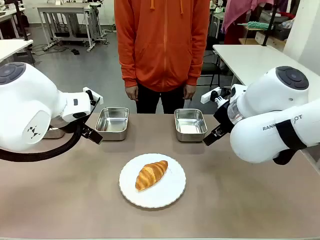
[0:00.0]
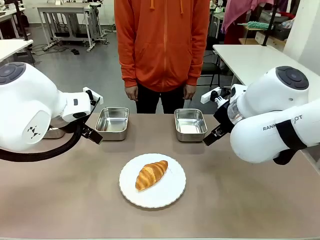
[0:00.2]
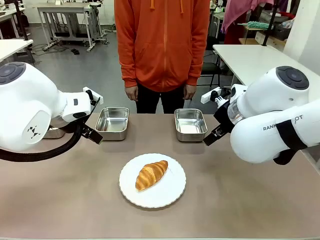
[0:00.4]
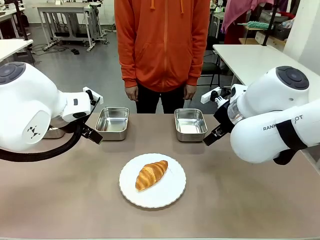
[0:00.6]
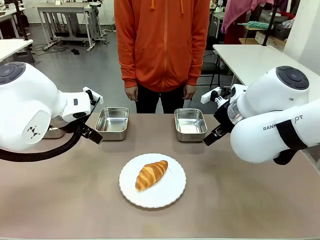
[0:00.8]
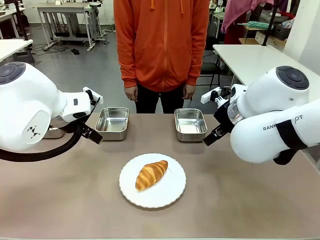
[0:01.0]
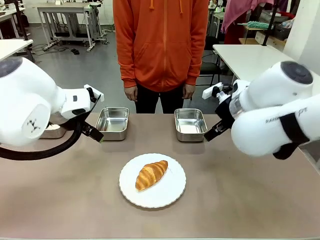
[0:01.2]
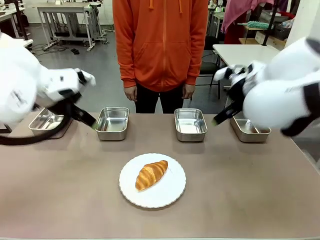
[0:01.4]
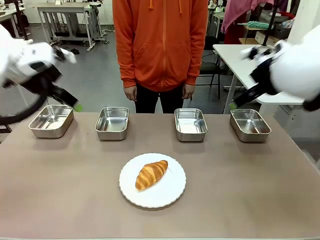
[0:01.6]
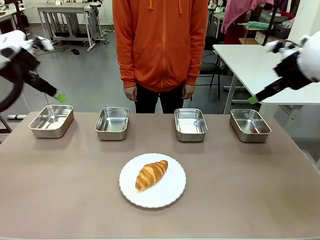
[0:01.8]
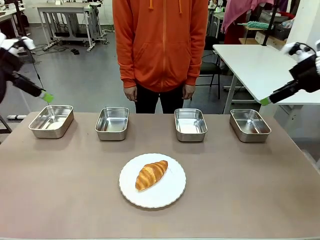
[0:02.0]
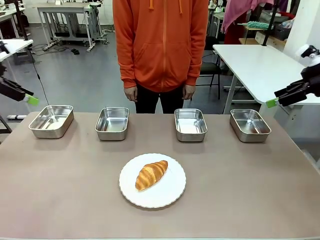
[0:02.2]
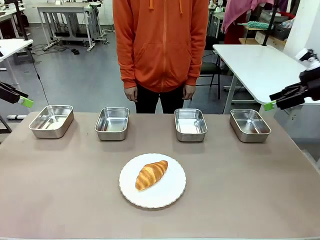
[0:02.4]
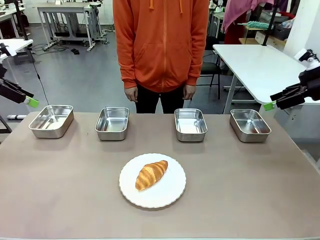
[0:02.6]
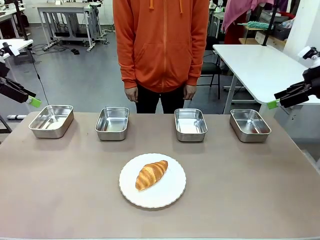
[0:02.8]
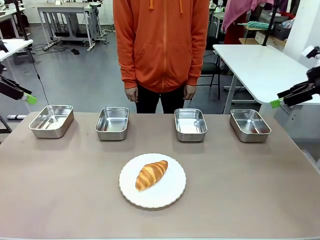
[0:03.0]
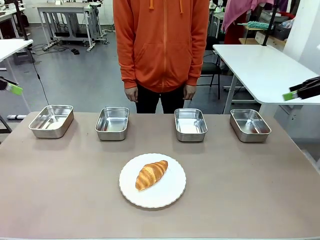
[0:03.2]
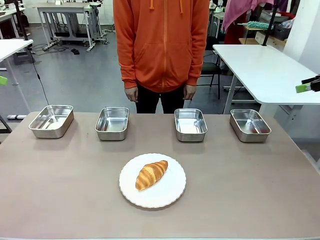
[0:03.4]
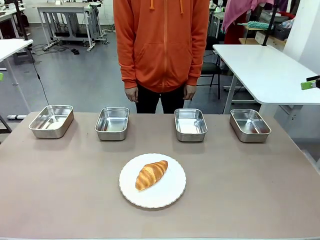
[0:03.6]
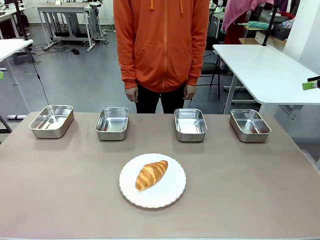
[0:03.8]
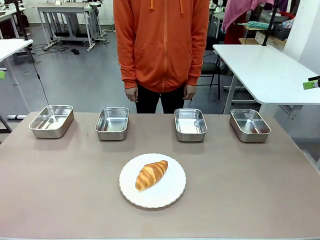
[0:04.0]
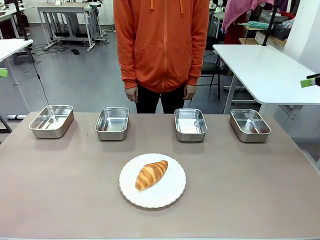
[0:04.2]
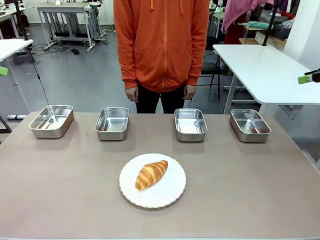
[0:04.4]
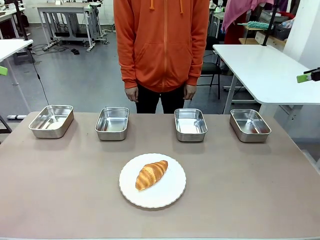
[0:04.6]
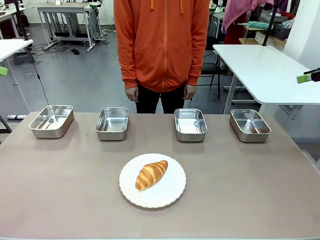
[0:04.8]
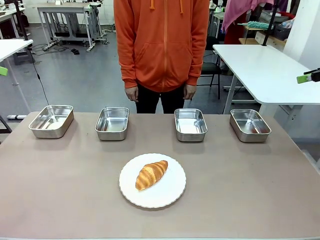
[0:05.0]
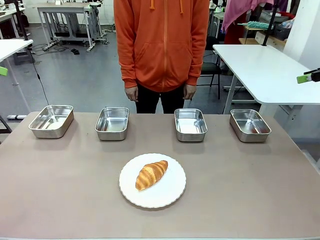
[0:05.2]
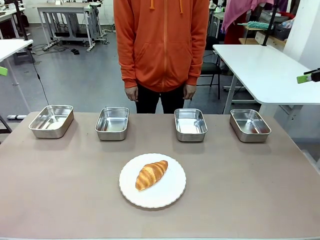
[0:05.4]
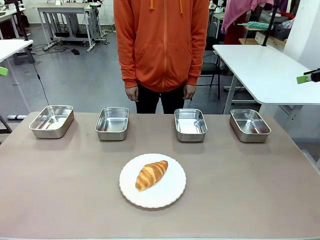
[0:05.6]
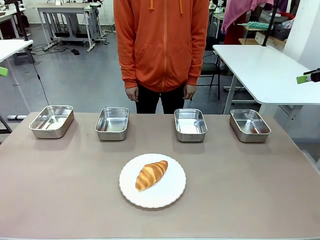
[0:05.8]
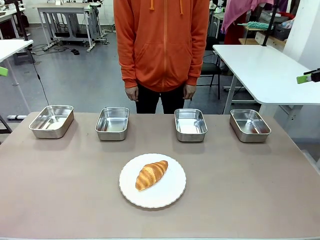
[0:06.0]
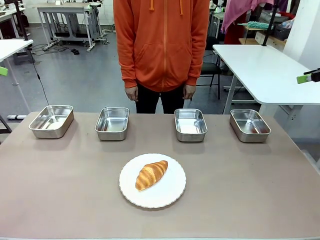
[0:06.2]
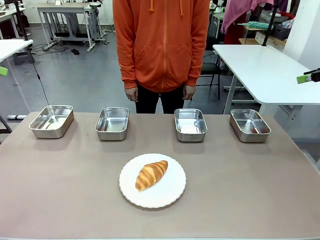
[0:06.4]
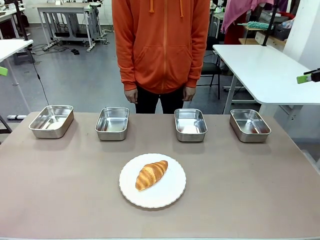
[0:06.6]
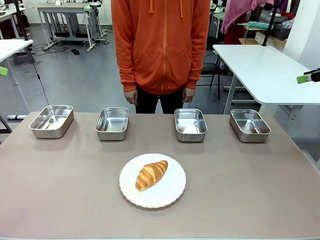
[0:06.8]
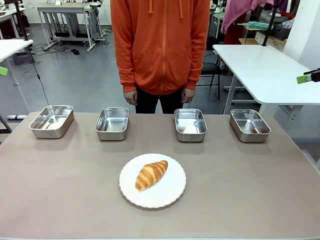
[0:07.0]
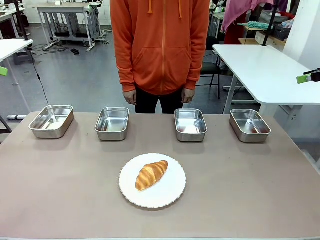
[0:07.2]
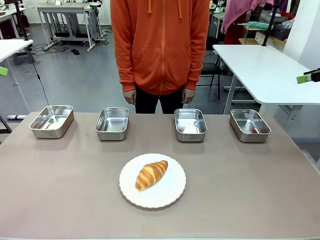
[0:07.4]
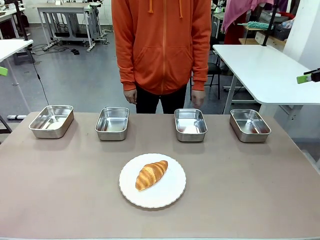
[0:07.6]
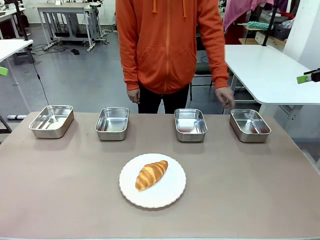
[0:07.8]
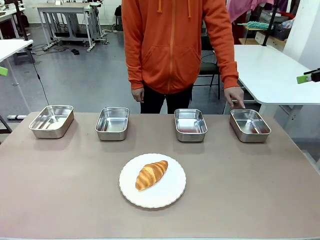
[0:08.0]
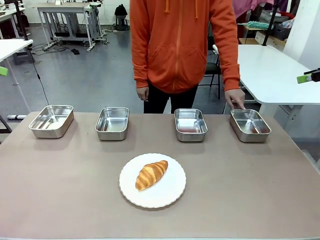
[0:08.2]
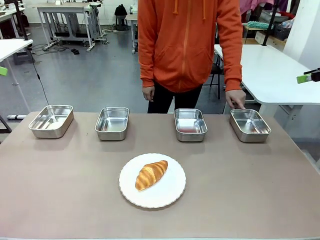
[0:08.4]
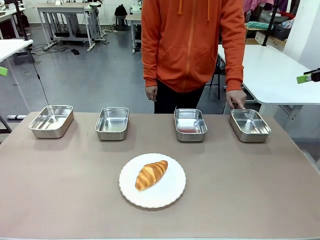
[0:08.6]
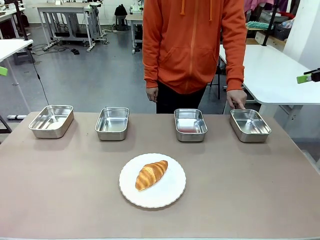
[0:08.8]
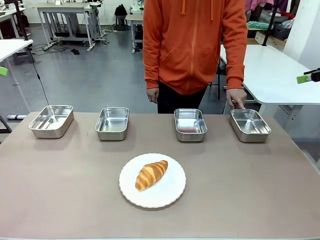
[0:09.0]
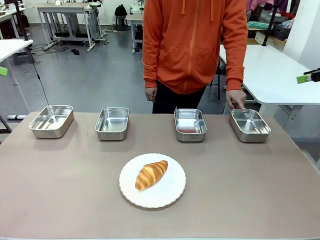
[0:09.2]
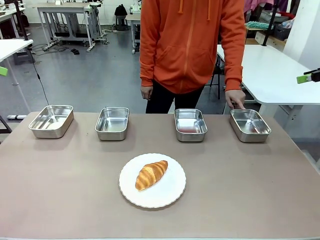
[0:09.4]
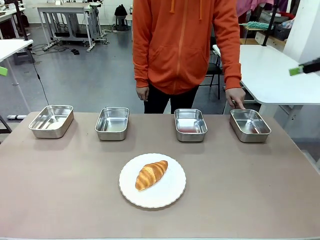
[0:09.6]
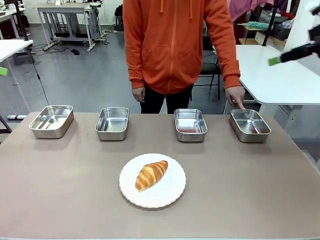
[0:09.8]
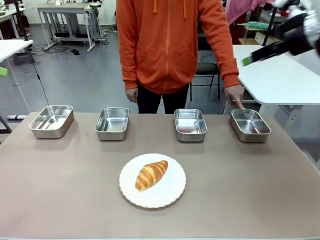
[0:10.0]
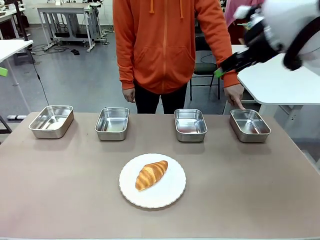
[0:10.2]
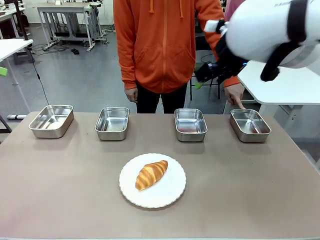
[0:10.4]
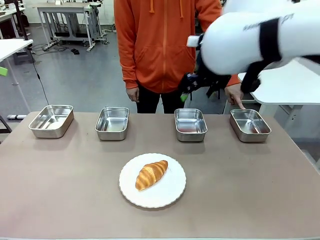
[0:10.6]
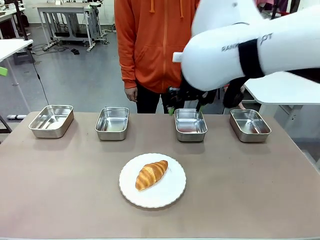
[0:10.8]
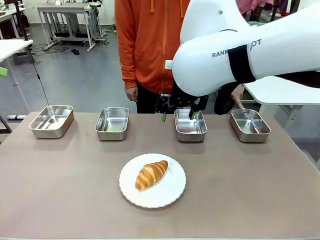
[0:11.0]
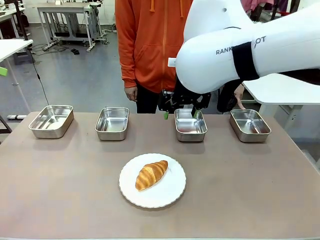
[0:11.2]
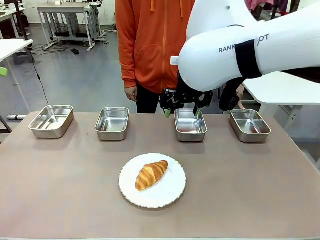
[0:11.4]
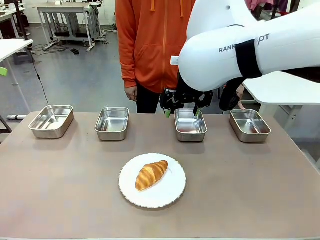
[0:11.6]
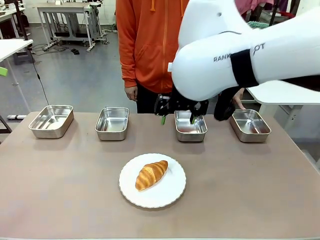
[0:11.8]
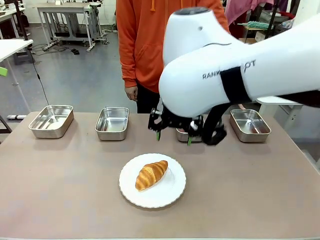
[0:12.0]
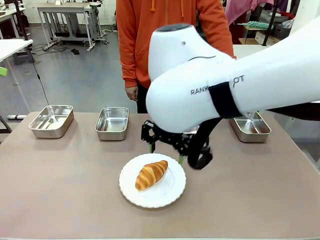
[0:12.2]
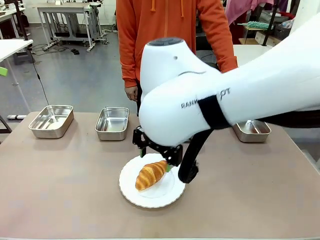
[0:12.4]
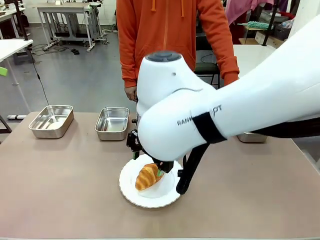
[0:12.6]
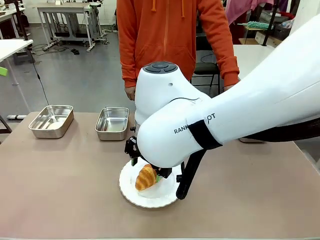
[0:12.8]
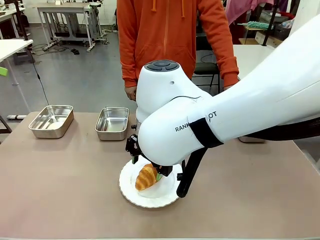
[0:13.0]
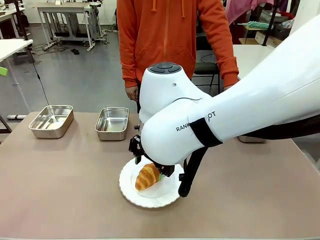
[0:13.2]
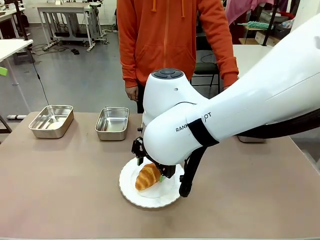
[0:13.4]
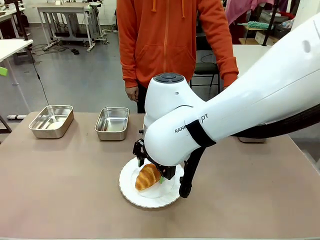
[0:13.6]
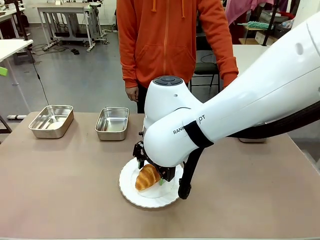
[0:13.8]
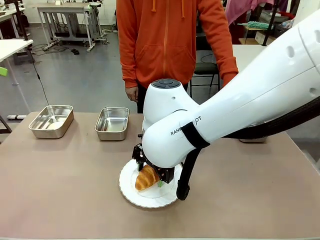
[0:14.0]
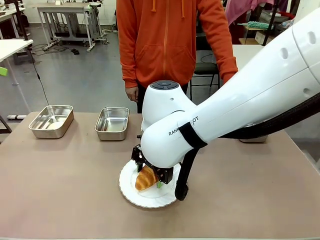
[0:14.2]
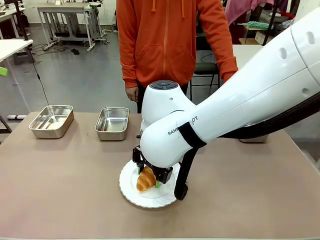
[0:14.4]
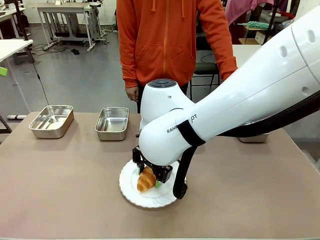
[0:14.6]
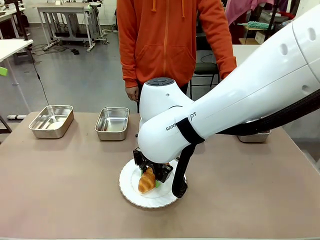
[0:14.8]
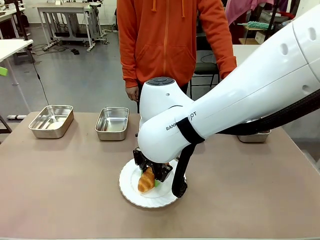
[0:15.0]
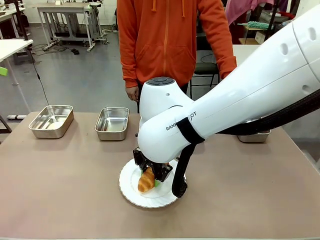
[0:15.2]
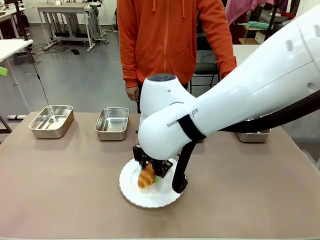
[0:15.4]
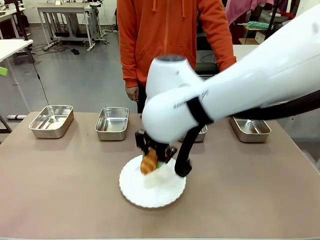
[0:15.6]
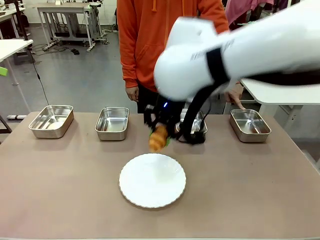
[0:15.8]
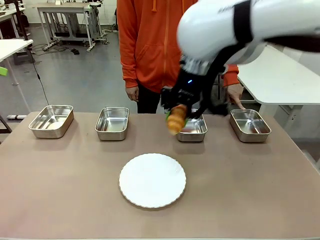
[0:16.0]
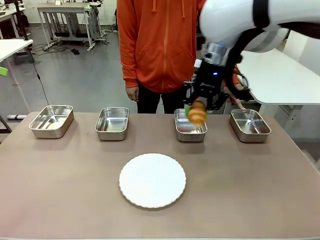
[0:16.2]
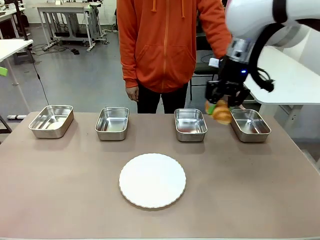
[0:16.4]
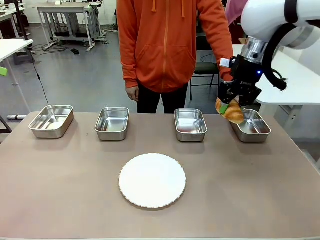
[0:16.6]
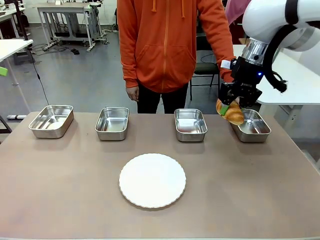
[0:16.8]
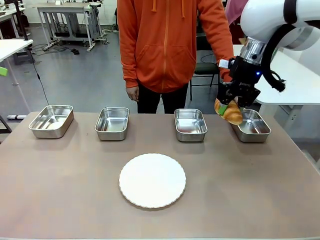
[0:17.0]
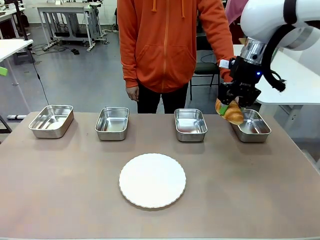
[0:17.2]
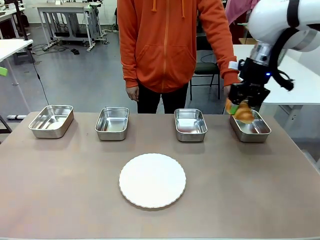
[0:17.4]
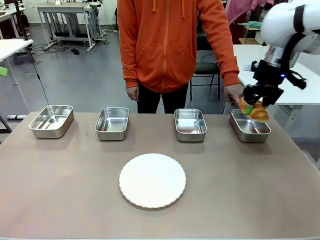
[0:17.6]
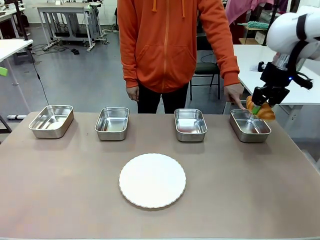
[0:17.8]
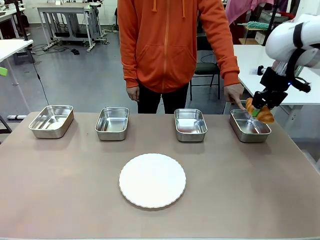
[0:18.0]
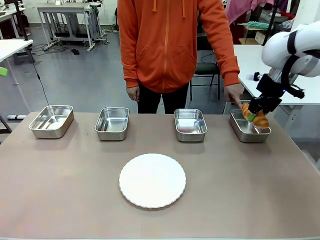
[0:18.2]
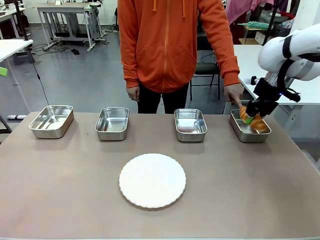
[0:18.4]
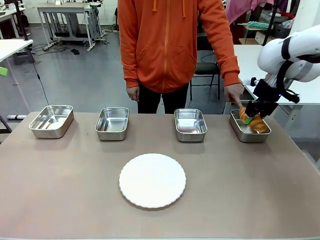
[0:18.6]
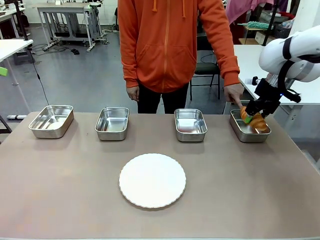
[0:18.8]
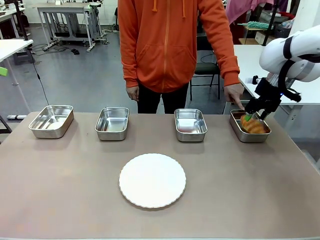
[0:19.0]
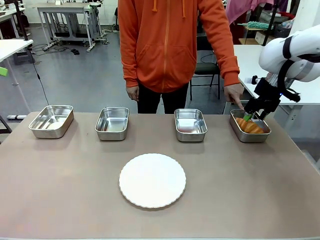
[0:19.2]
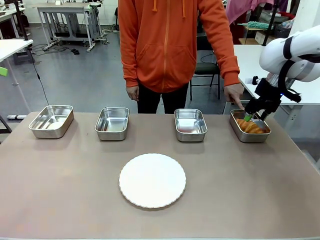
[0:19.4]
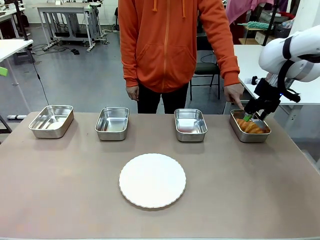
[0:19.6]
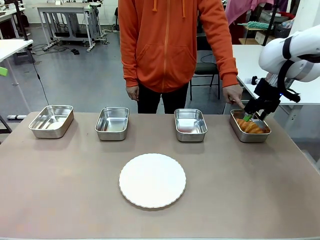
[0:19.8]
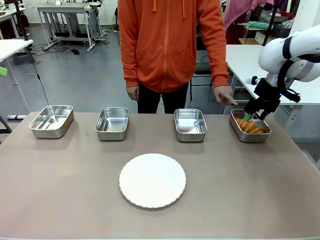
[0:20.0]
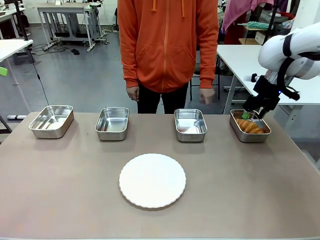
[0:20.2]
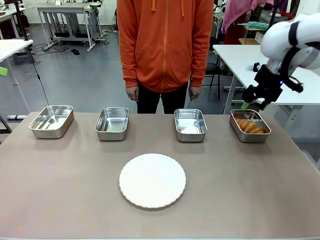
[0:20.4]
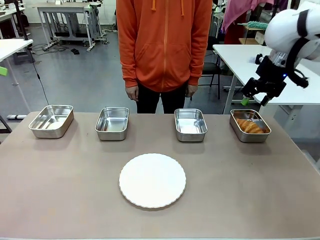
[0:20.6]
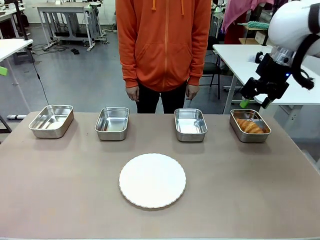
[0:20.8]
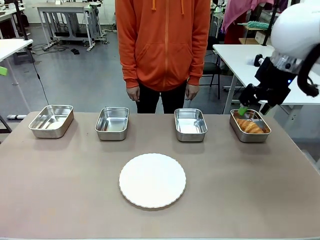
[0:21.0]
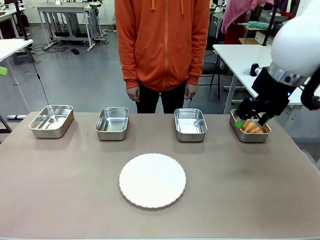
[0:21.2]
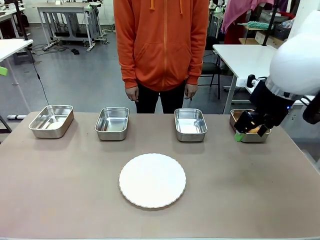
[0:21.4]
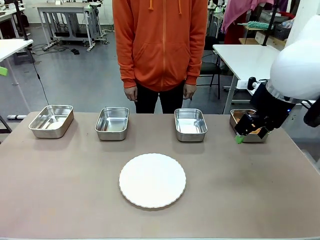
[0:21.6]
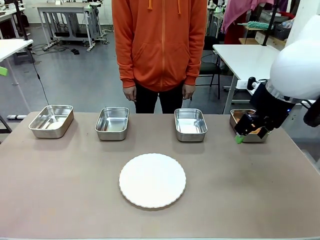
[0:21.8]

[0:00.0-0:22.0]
Task: Place the bread in the container.
Robot: Place the Butter Roll into the Airtight Container indicated by the human.
Person: A person randomly selects and points to an Airtight Container.
